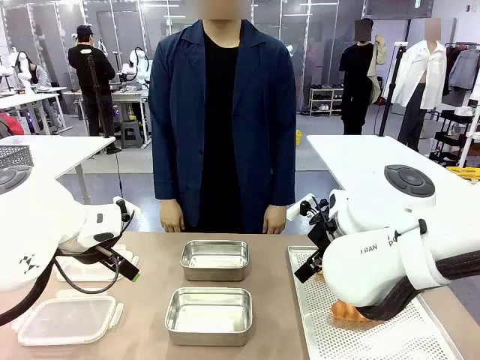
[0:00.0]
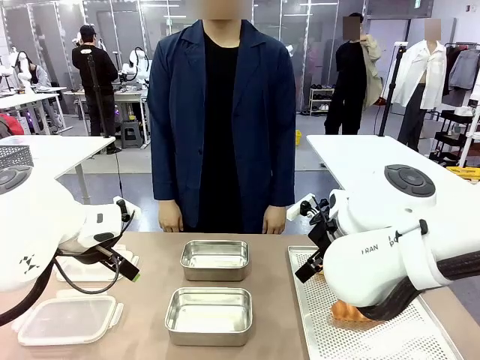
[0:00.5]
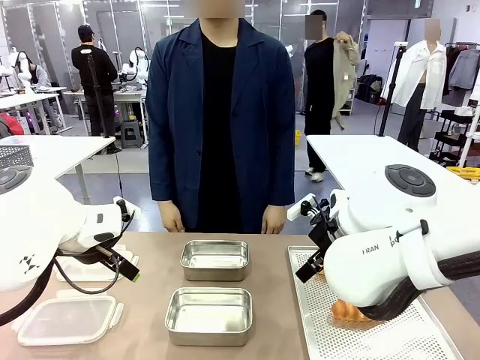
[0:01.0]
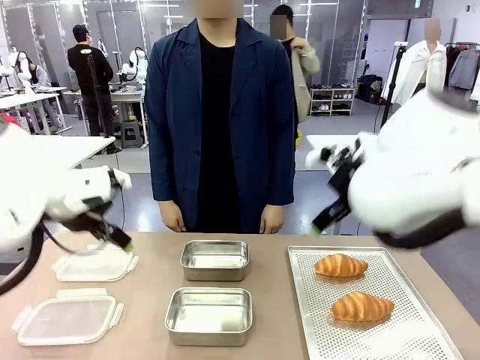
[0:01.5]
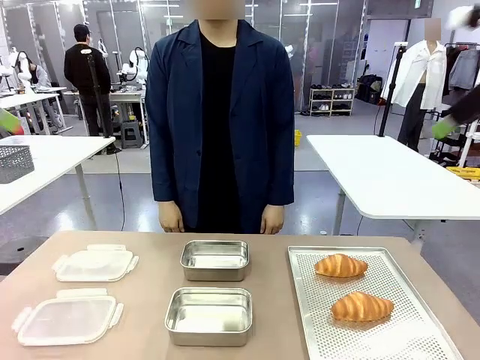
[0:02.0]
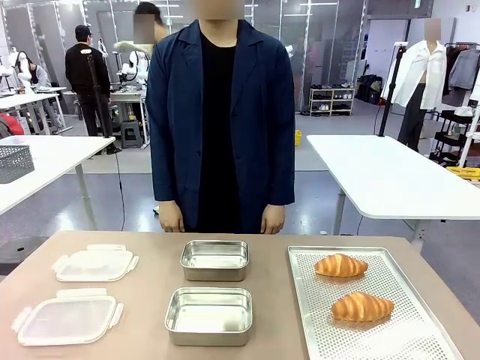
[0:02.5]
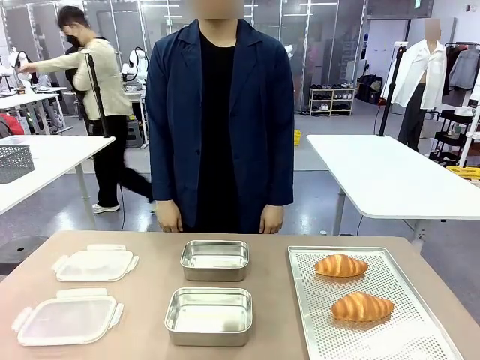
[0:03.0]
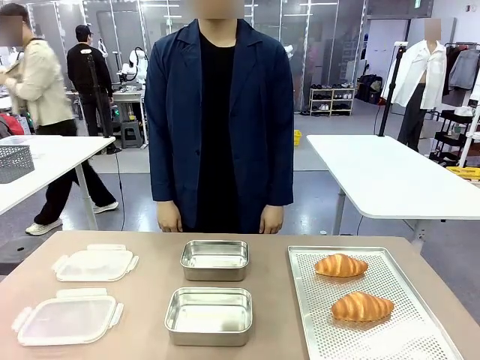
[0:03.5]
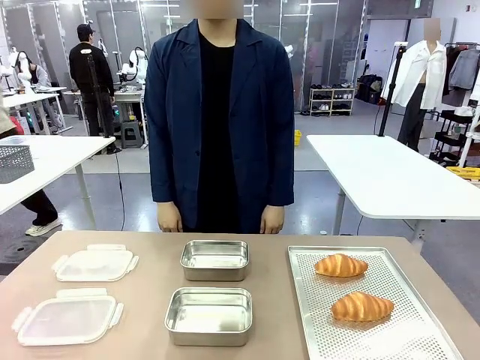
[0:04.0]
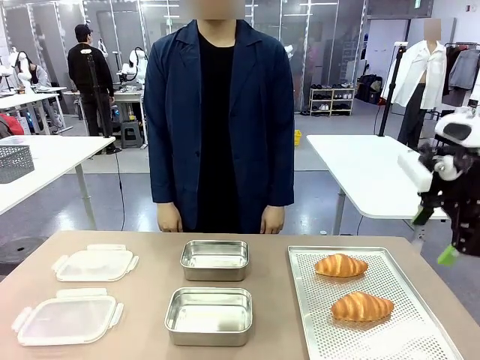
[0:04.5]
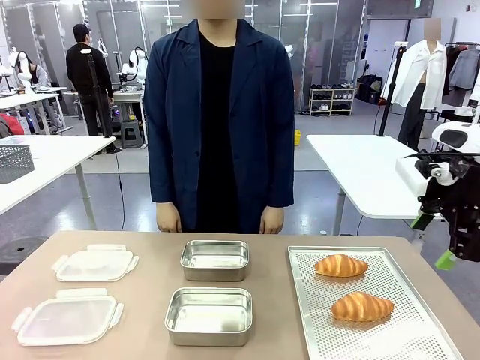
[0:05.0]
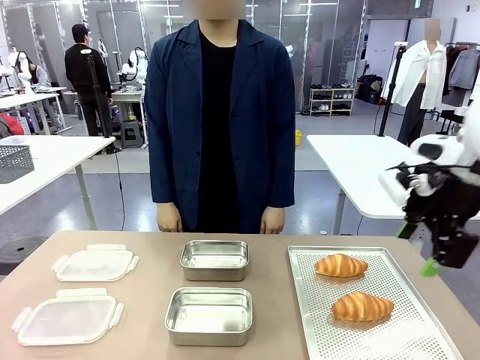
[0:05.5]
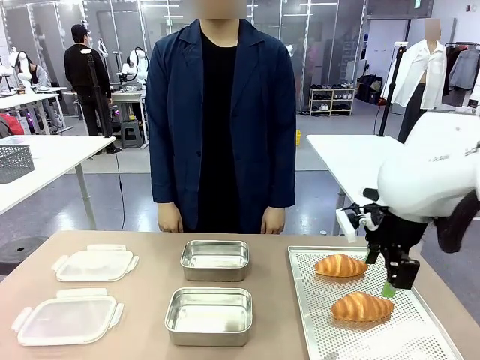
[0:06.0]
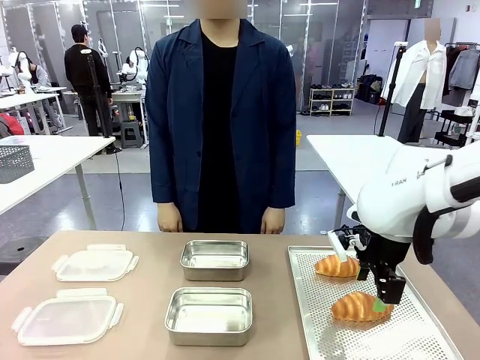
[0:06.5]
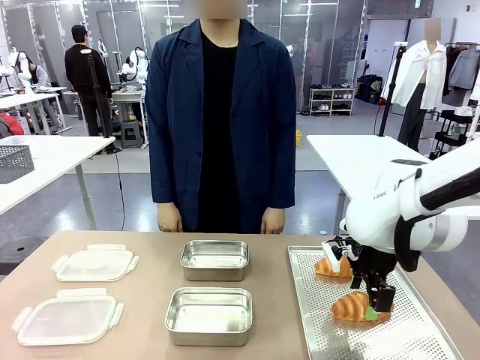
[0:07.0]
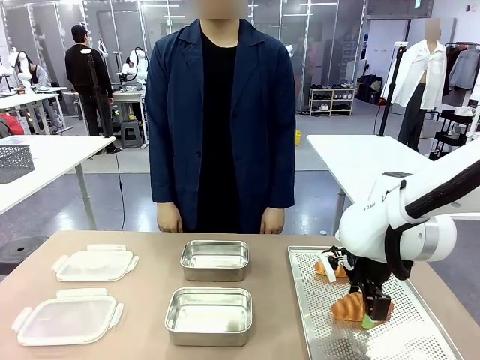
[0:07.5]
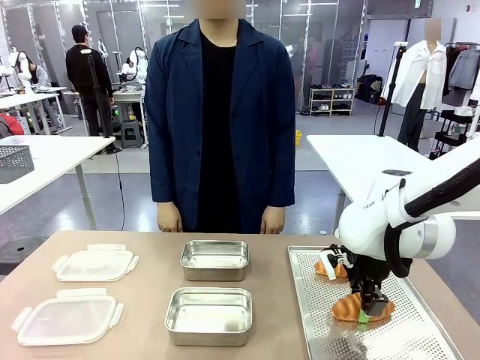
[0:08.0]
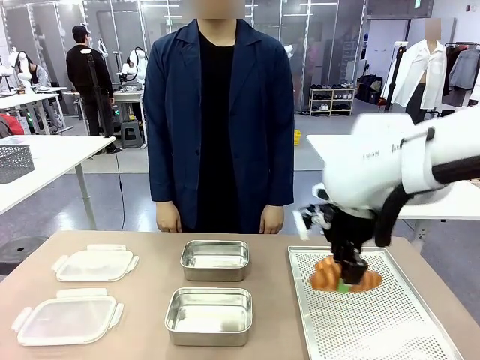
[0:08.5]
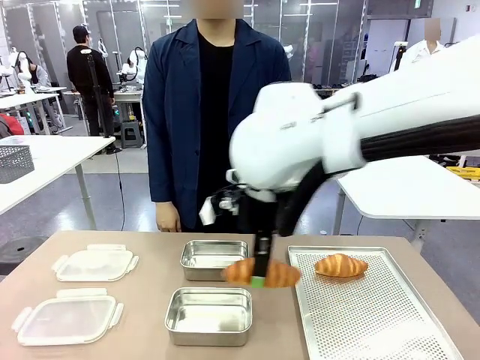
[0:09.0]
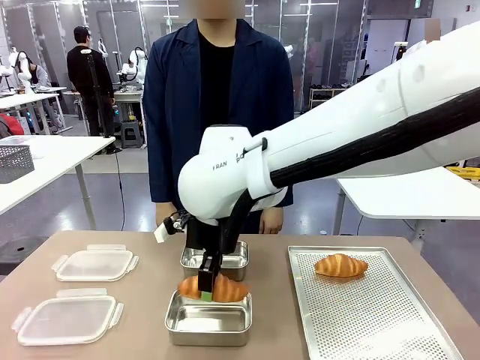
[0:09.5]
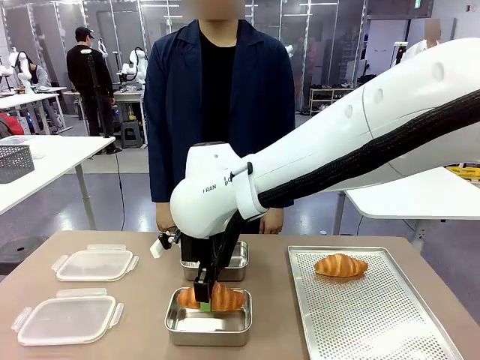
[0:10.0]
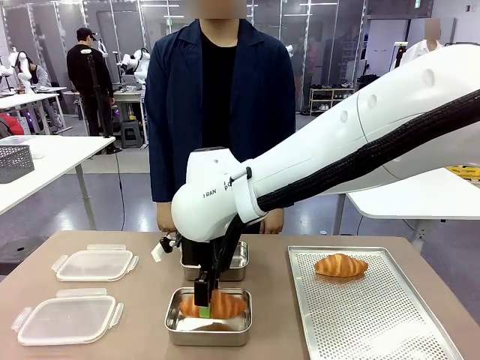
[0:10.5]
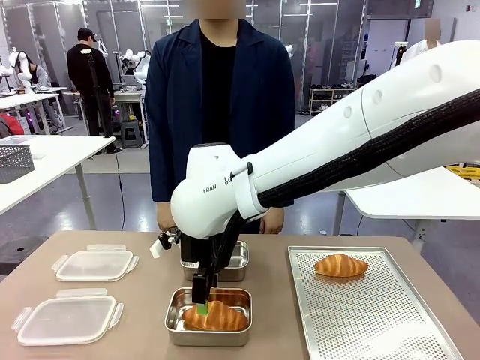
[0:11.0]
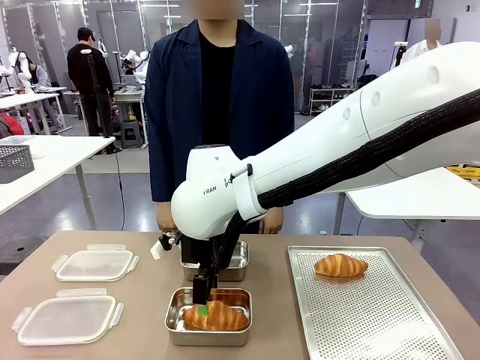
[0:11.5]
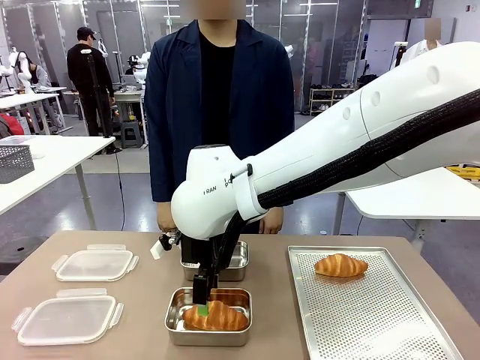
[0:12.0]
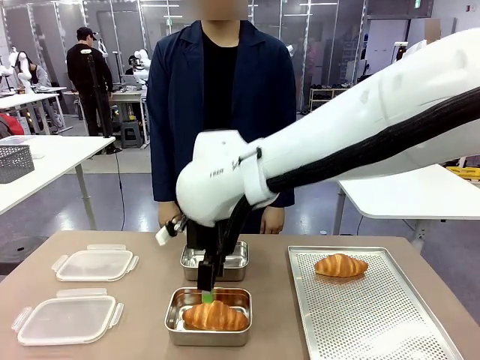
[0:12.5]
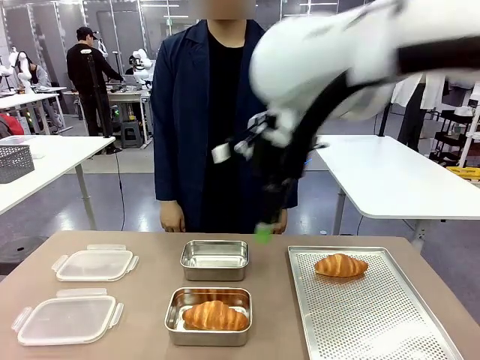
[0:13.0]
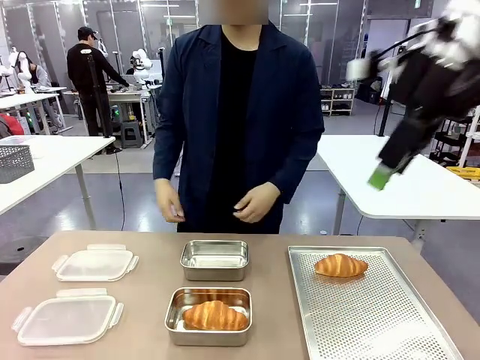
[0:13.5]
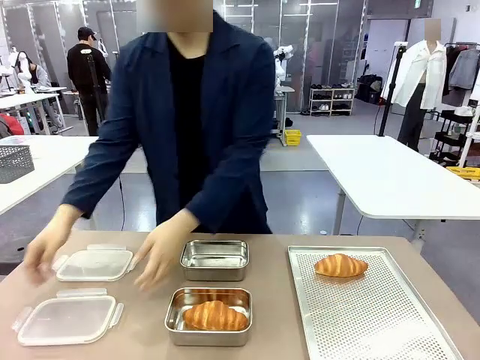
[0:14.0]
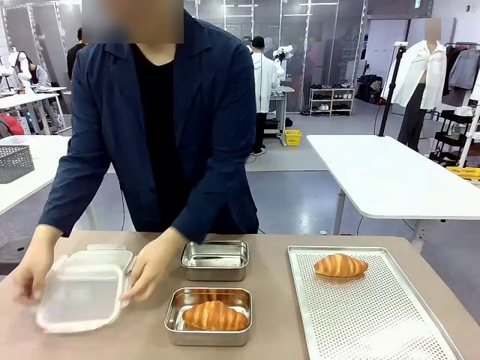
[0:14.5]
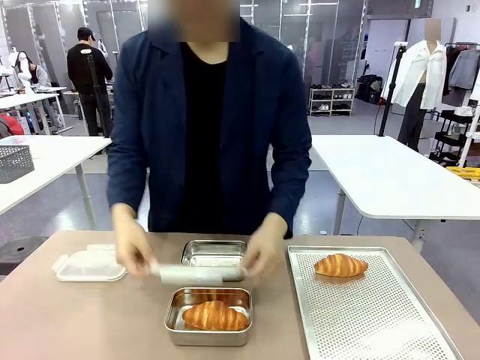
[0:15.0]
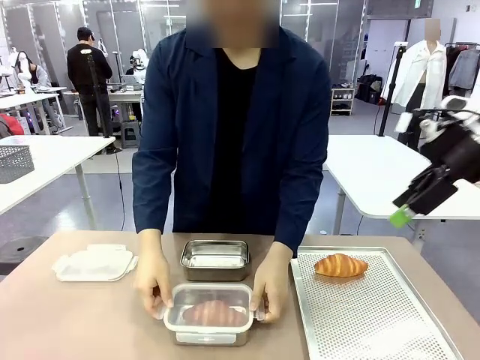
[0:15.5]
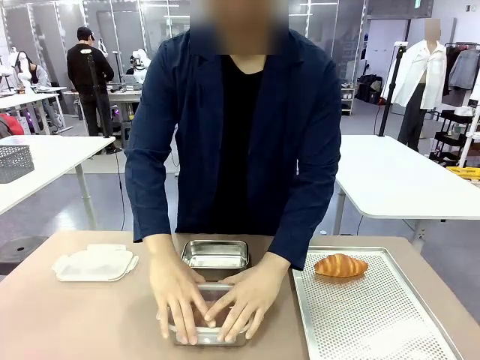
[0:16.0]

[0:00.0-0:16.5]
Task: Place the bread into the airtight container.
Robot: Pick up a Butter Roll and place it into an empty Airtight Container.
